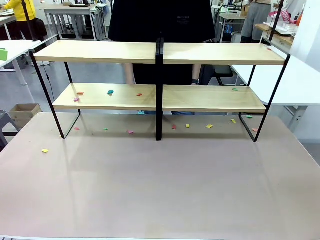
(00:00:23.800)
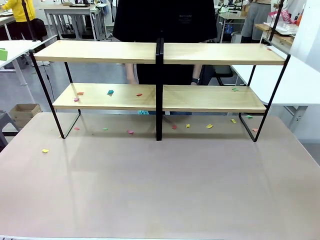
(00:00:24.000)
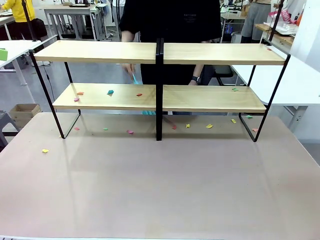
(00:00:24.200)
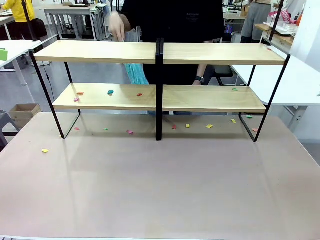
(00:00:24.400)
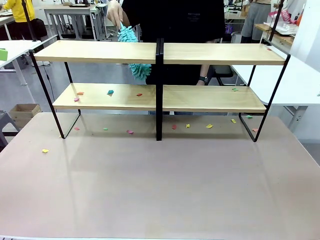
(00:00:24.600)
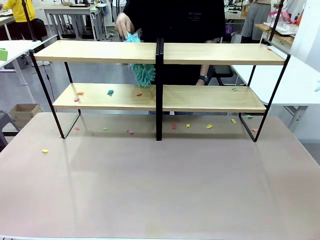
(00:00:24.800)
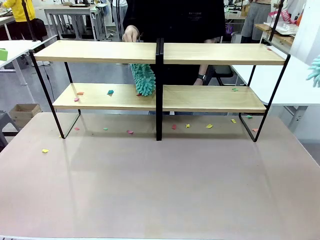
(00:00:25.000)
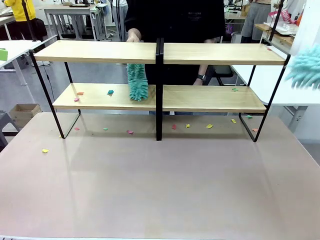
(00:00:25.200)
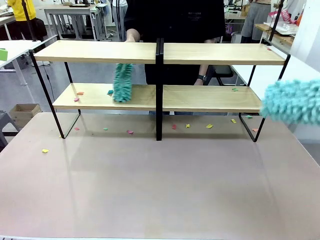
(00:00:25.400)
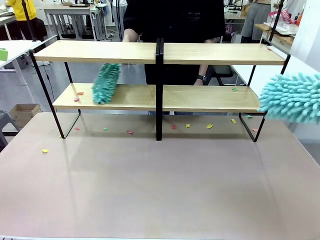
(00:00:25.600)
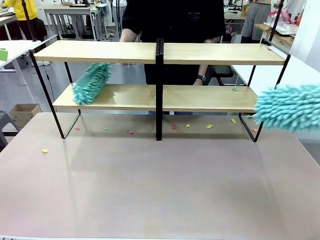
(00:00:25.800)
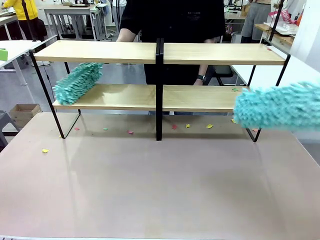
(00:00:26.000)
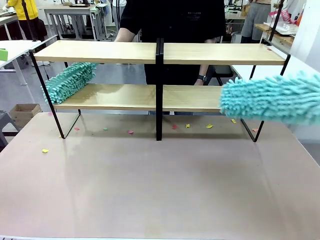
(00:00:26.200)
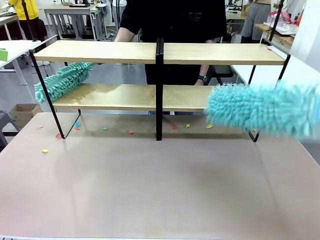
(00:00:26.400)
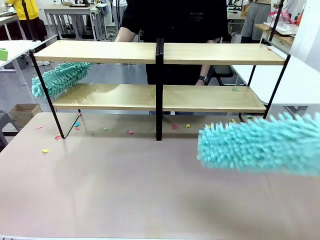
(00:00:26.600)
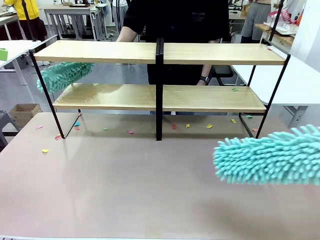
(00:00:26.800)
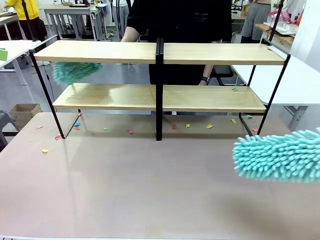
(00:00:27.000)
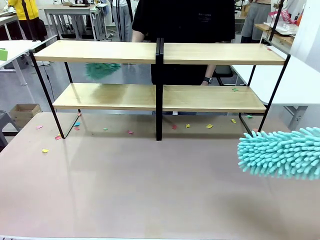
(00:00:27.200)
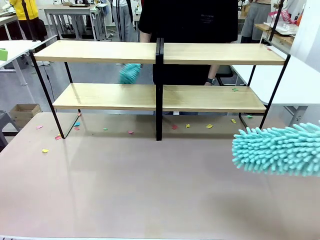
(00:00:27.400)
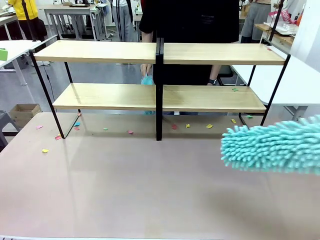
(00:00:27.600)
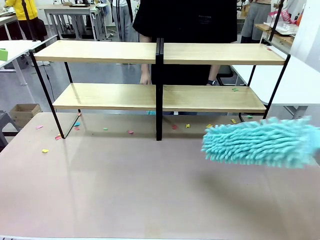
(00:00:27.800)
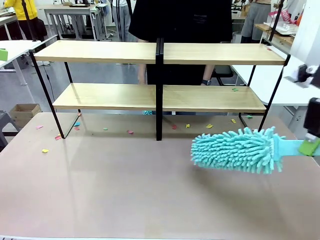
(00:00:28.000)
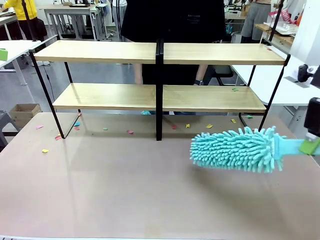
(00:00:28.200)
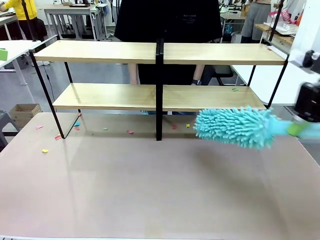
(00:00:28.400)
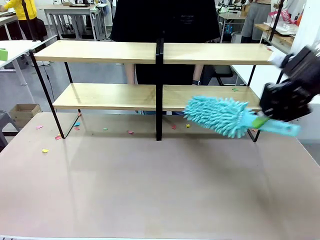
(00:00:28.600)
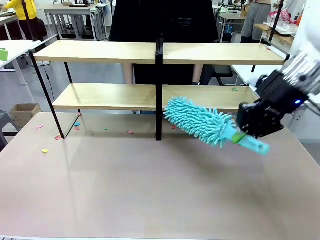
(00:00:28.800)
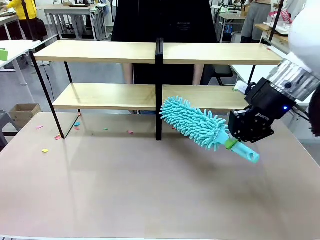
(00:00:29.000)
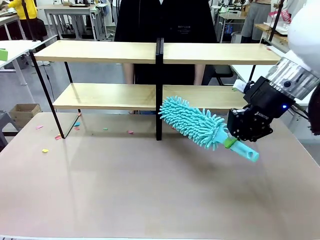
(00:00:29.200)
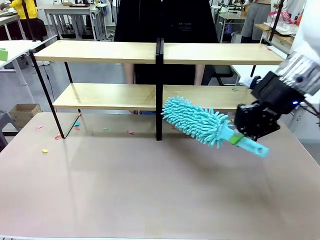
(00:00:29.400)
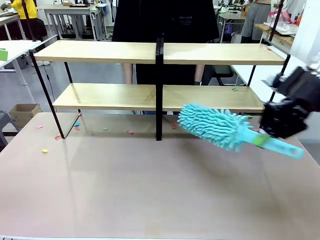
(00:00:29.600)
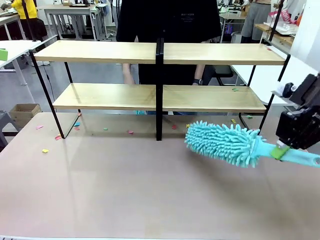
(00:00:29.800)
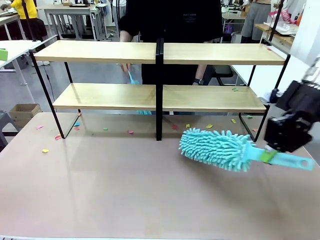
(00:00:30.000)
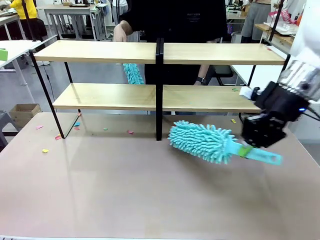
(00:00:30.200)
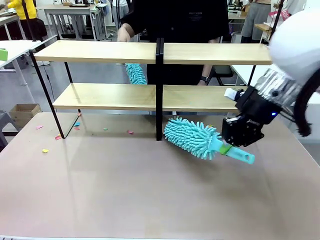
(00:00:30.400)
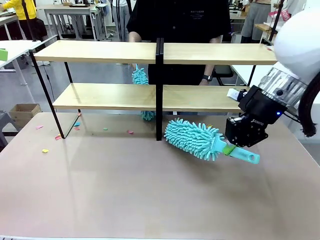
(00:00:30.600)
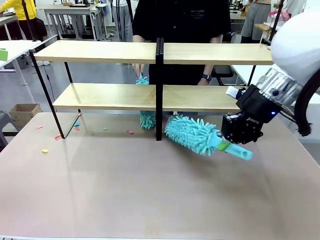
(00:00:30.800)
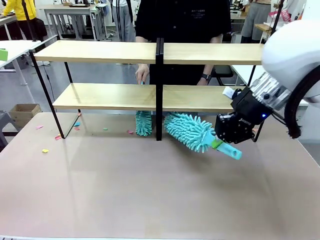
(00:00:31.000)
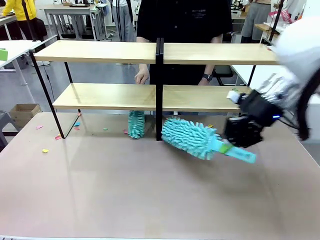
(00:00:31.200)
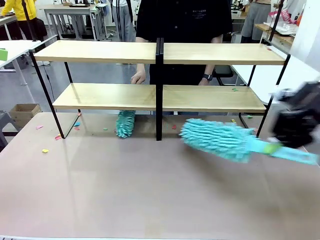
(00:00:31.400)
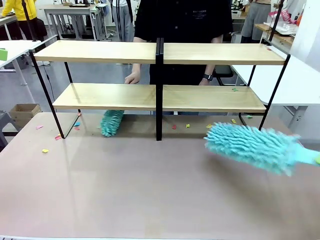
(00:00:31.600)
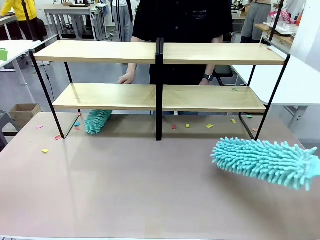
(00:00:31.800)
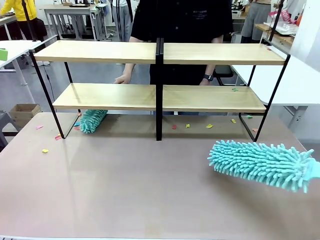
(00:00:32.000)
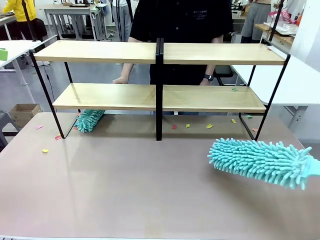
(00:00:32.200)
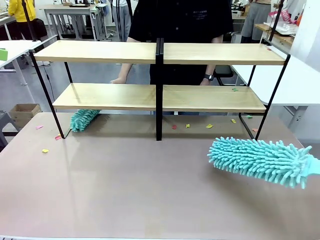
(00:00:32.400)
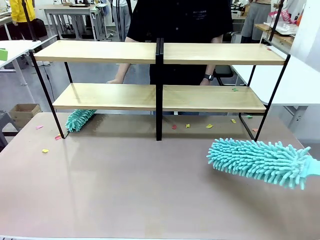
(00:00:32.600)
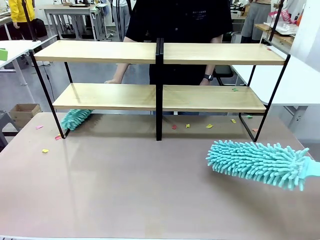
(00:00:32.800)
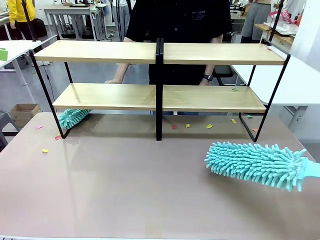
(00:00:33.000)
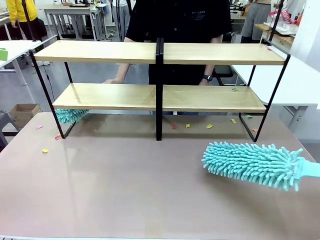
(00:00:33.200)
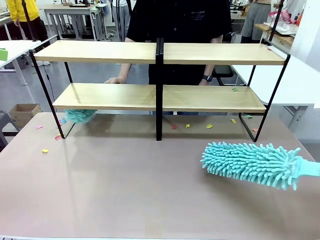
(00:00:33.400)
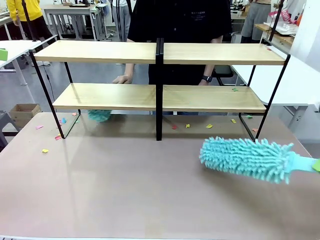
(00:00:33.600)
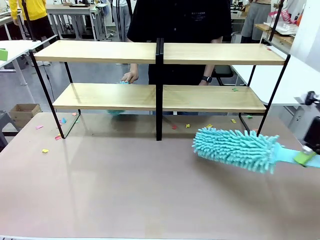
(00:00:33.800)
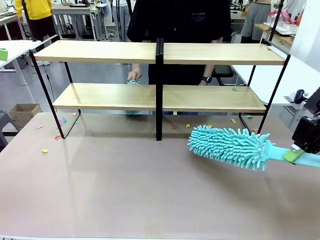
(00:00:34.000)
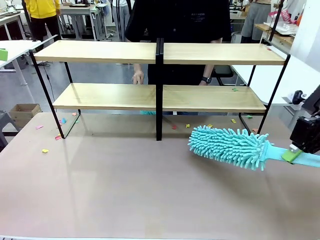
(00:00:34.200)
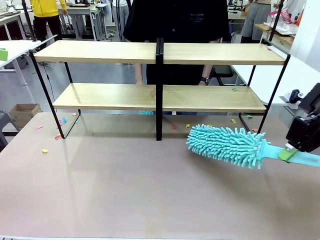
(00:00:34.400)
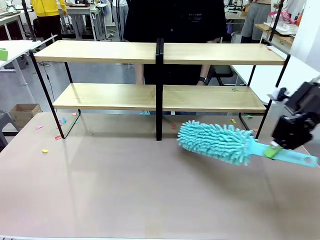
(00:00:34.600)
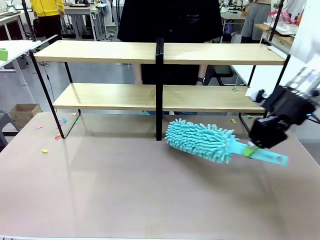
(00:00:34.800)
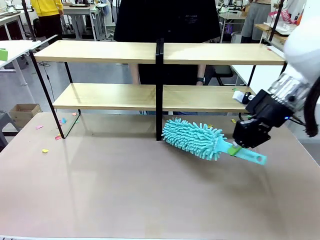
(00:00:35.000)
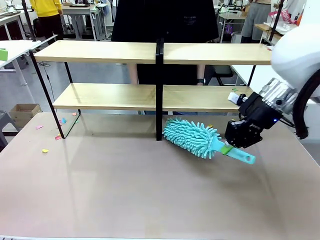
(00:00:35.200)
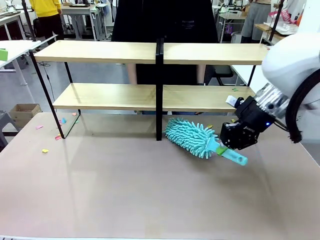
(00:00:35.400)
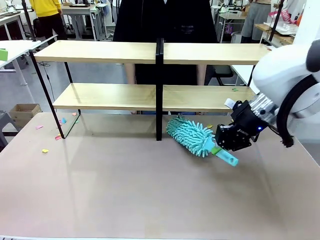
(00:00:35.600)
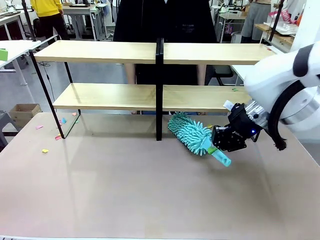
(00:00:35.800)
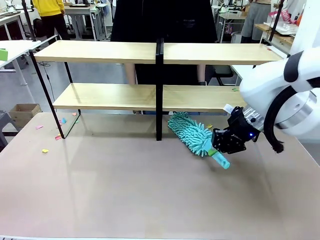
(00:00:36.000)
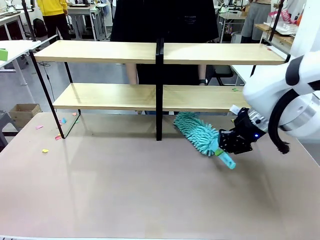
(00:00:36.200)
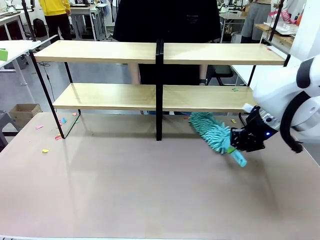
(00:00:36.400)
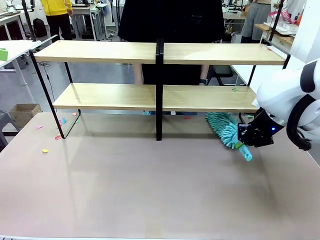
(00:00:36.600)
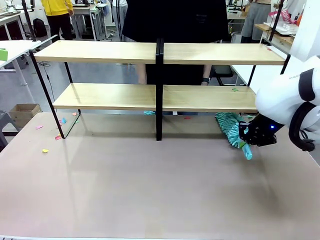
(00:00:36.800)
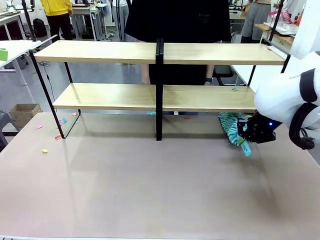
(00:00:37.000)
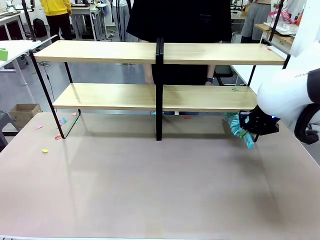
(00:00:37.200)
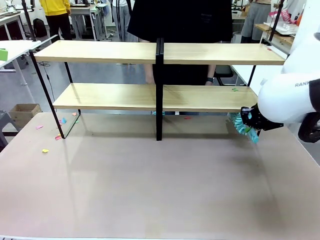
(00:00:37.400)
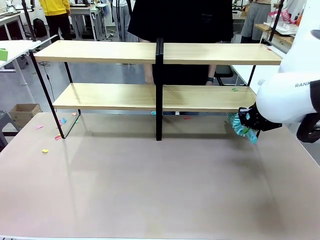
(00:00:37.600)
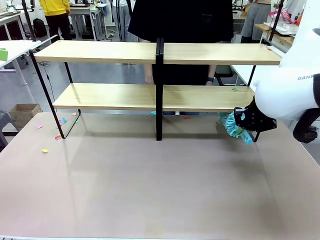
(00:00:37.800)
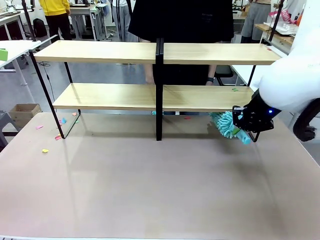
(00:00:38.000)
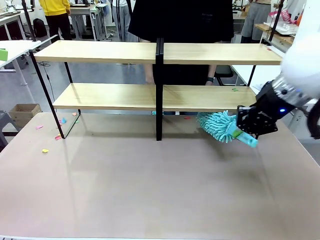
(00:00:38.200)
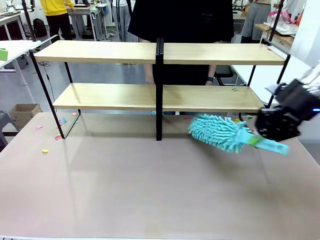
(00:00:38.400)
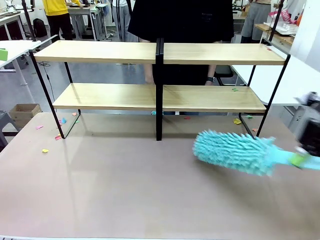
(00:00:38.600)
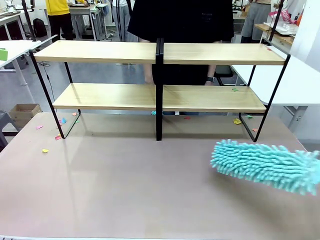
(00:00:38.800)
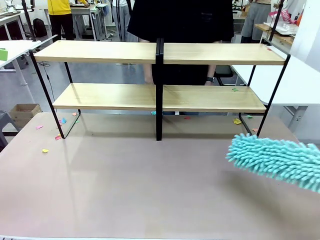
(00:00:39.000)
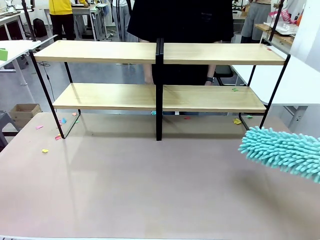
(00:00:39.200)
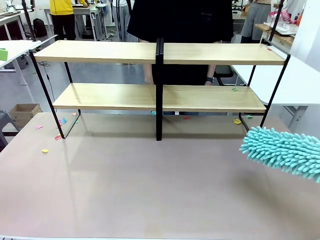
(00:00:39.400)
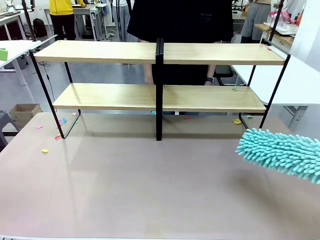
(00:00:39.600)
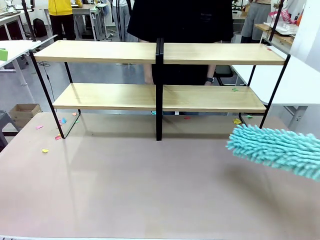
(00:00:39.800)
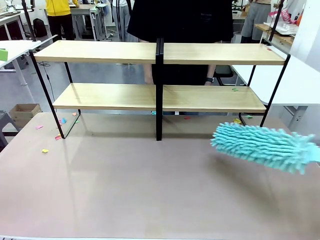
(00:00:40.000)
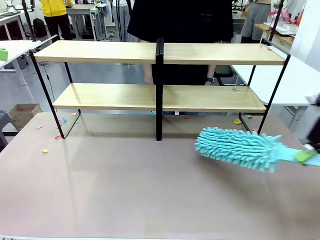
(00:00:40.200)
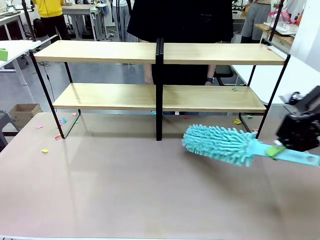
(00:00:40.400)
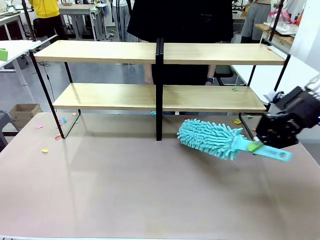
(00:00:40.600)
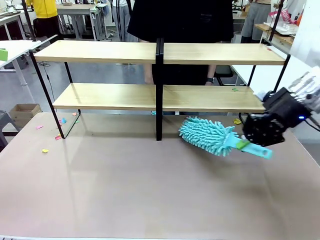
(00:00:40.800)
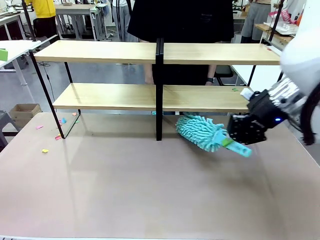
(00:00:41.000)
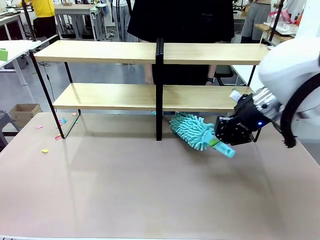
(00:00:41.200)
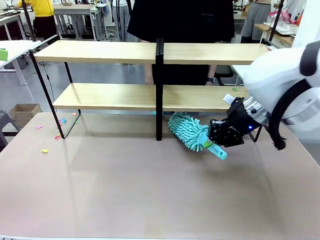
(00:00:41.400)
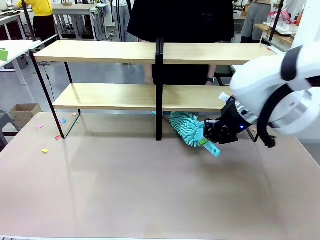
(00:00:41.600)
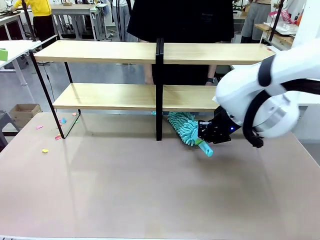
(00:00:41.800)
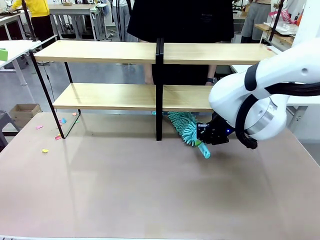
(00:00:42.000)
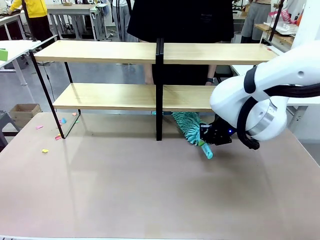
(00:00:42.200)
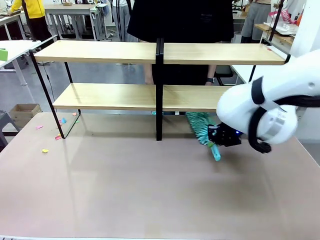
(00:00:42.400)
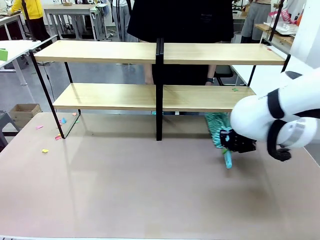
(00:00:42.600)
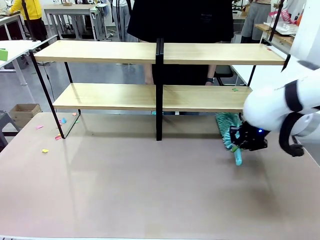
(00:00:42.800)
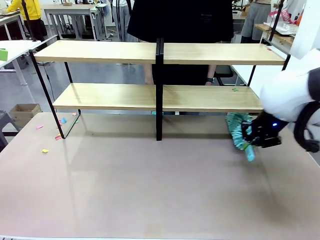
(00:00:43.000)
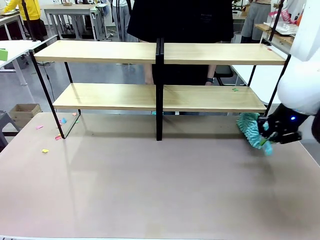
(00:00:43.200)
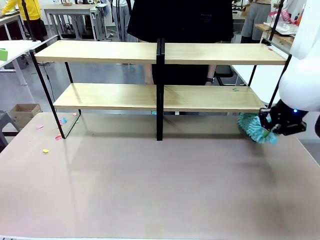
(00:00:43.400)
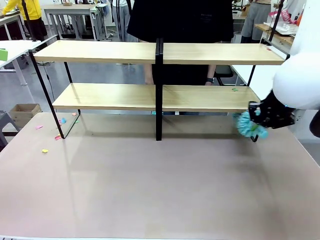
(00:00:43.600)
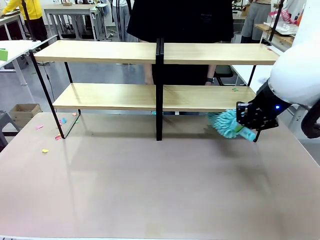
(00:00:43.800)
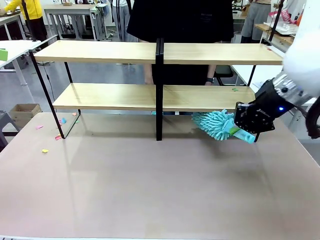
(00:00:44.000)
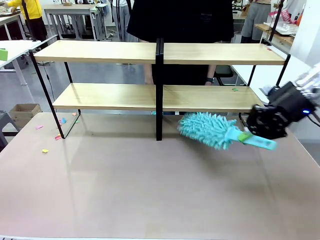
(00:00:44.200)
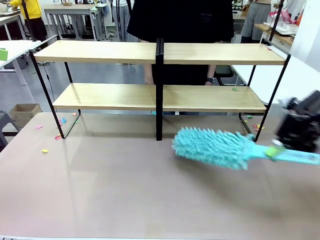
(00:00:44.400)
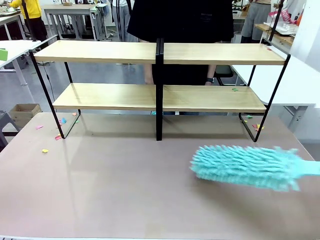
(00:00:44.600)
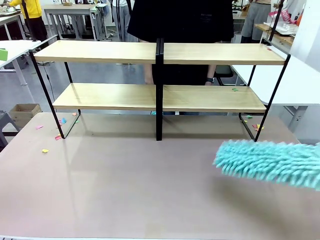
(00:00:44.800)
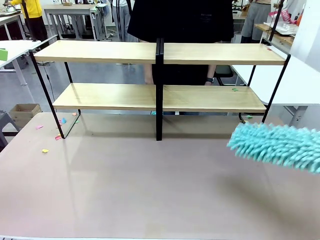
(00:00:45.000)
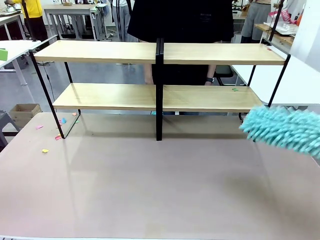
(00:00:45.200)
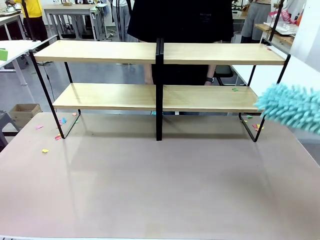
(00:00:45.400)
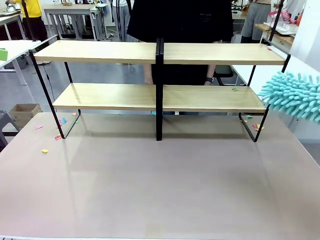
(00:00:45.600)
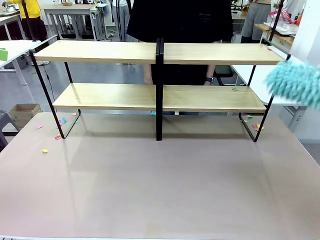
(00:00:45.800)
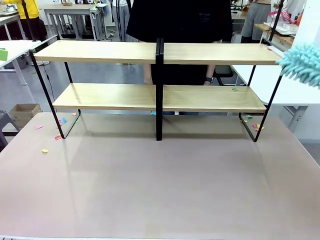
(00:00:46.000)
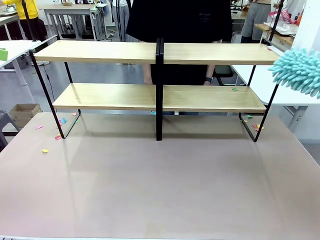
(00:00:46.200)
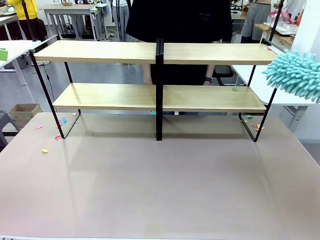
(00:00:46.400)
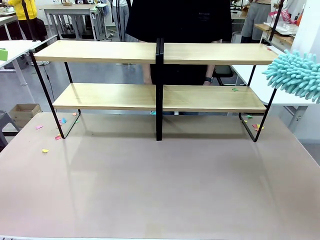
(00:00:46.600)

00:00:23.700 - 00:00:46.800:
Task: Clean the shelves.
Robot: Clean another randomly selected level of the Shelf with the Duster.
Person: Clean a randomly selected level of the Shelf with the Duster.
